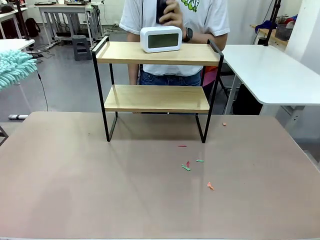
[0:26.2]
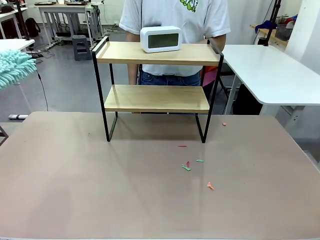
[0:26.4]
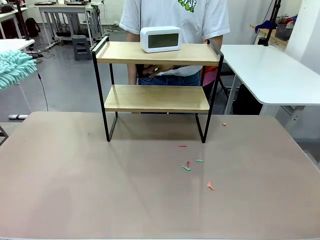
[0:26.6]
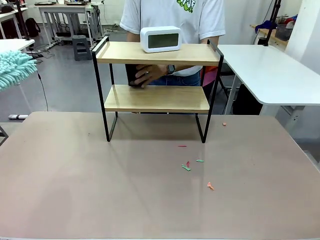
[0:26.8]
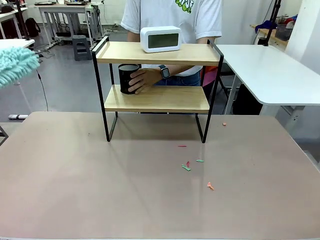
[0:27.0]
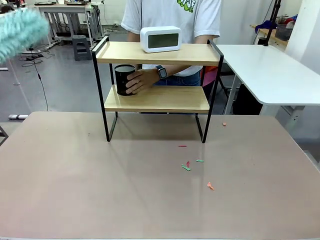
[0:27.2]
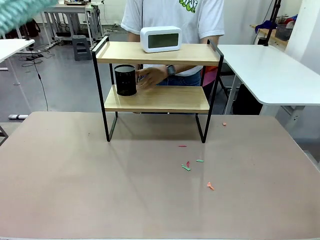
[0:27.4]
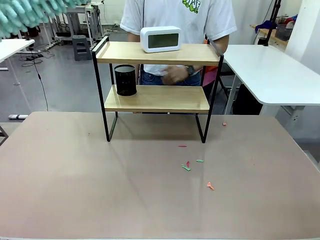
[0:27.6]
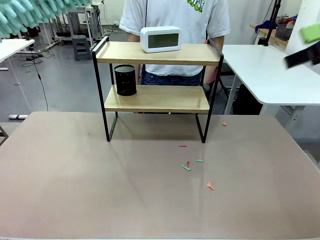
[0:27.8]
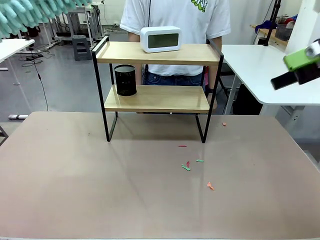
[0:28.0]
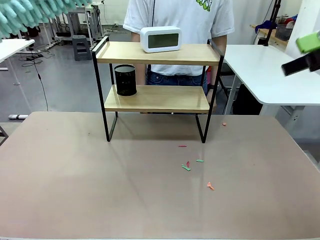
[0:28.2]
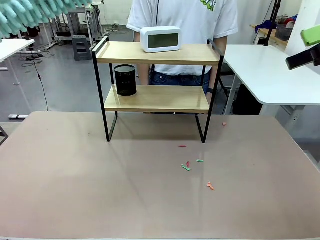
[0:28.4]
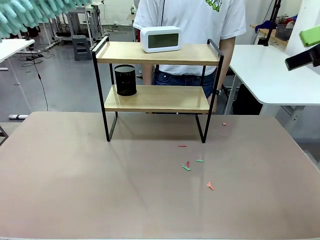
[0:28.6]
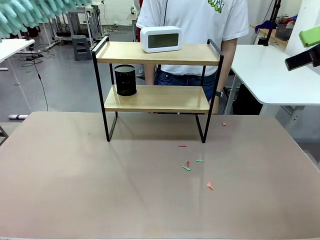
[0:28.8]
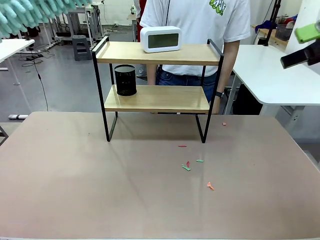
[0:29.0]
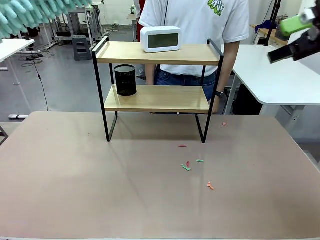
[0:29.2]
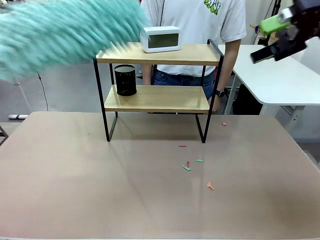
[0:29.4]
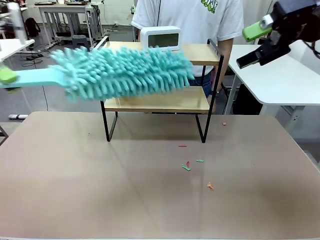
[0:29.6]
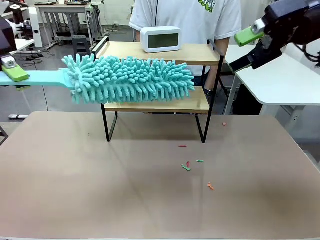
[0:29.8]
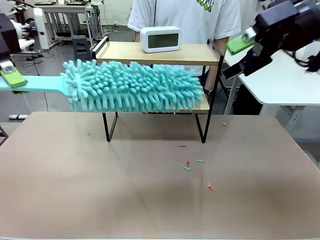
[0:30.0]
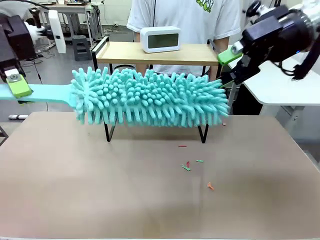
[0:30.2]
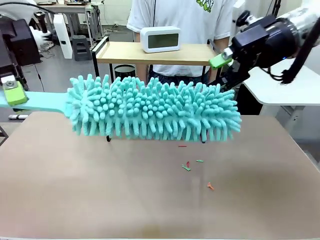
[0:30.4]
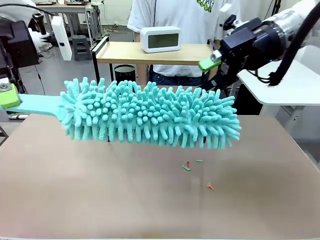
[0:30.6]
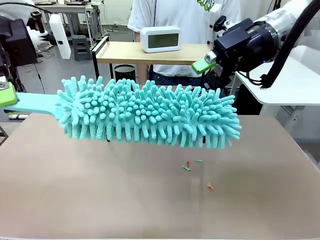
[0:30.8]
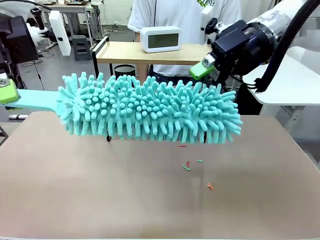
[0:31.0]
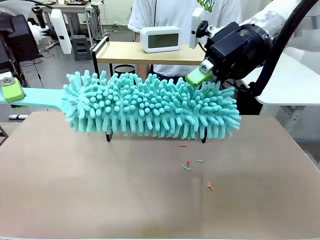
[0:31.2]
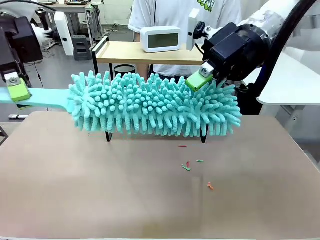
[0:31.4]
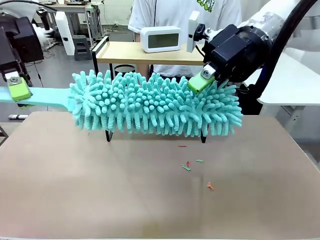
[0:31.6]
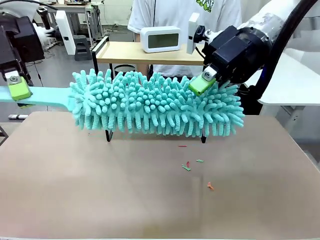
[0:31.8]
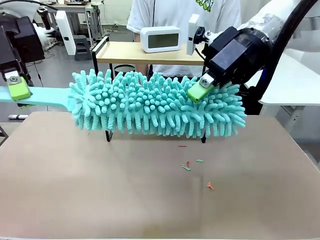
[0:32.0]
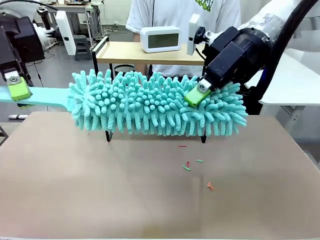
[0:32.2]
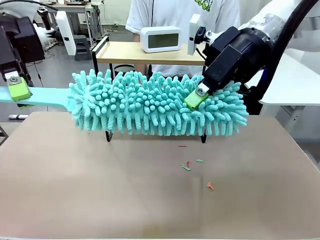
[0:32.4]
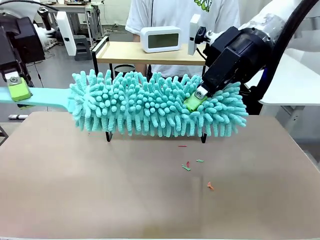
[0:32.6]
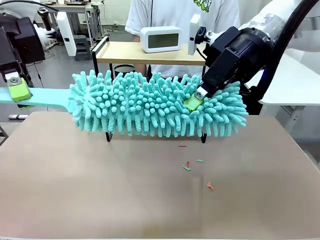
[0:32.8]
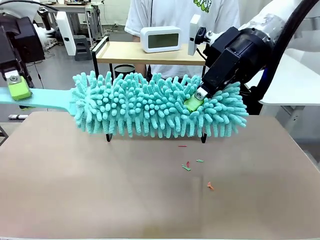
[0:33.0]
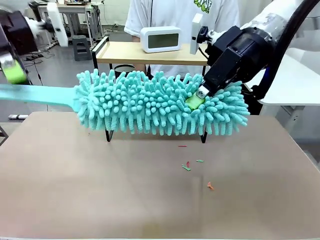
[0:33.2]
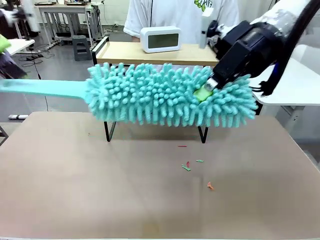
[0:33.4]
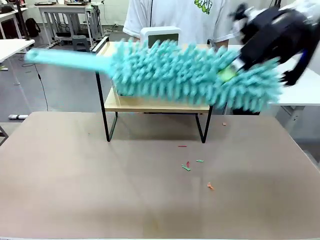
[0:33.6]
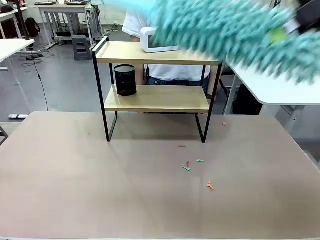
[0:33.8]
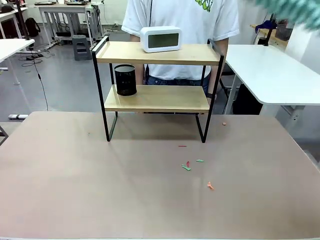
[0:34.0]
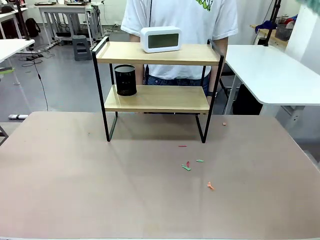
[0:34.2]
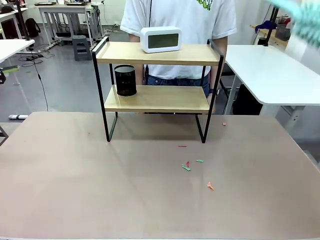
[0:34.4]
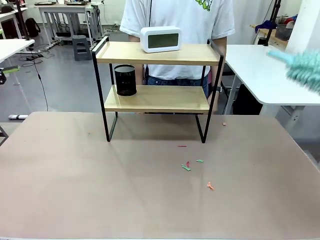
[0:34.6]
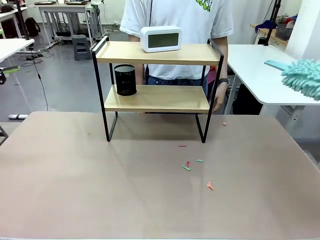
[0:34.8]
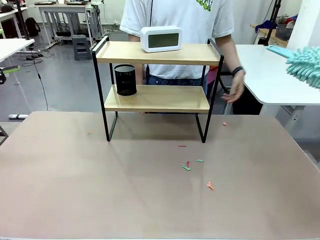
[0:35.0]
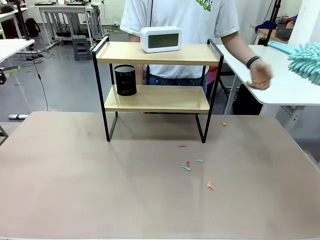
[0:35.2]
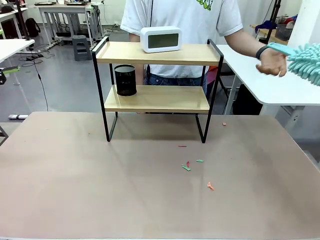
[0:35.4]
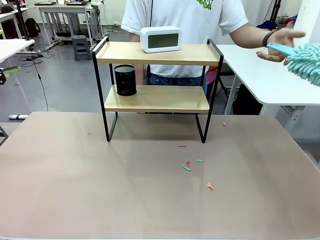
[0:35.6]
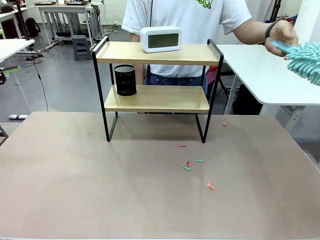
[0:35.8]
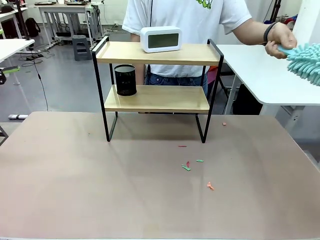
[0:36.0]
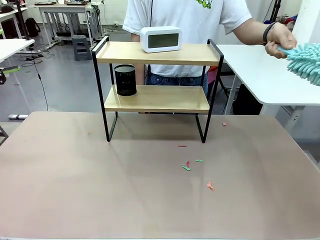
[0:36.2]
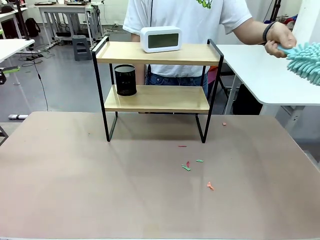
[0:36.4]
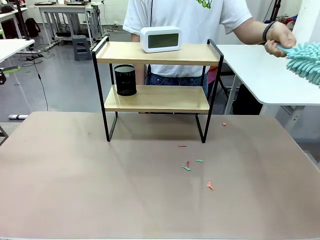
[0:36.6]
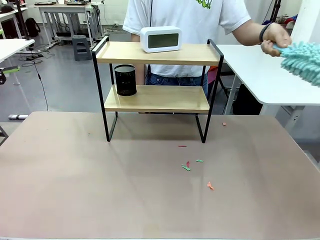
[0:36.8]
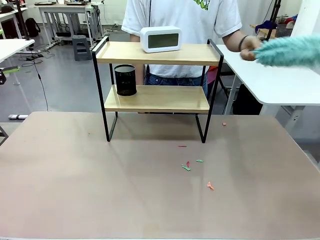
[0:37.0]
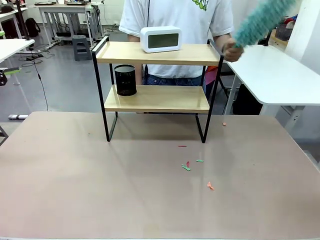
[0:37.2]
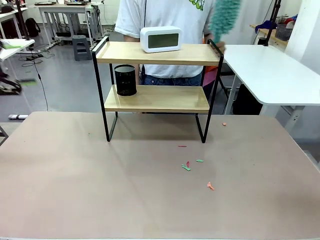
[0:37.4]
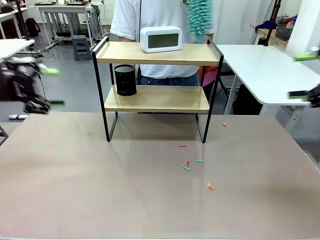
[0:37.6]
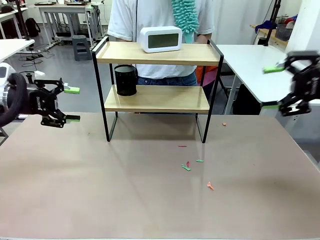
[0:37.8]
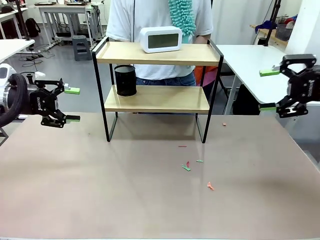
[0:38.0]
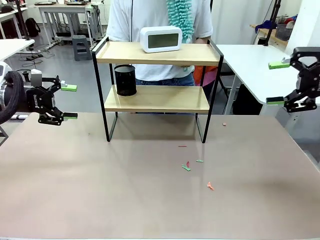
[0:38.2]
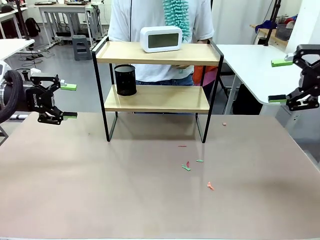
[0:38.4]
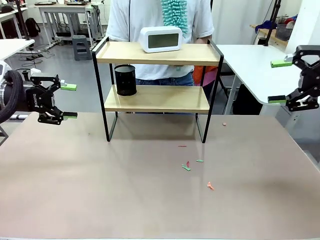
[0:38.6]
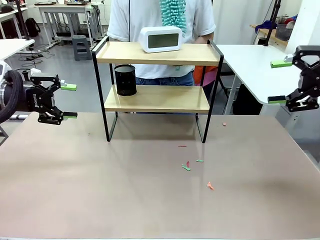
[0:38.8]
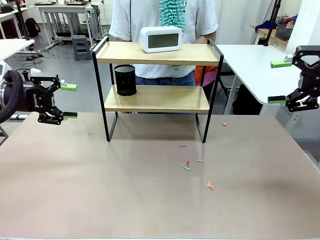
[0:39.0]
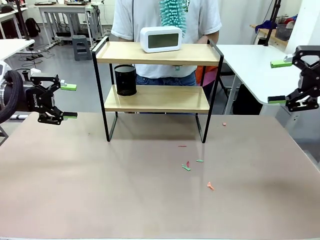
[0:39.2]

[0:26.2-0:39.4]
Task: Clean the shelf.
Robot: Hand the Duster back to the human.
Person: Receive the Duster from the robot.

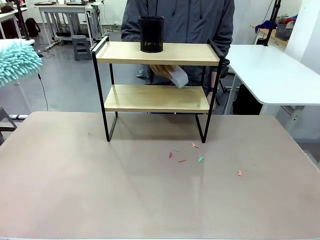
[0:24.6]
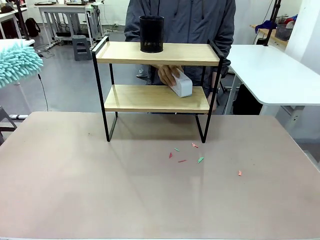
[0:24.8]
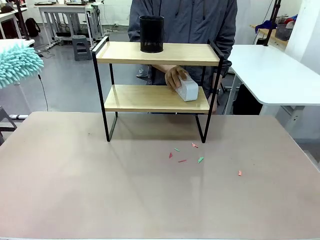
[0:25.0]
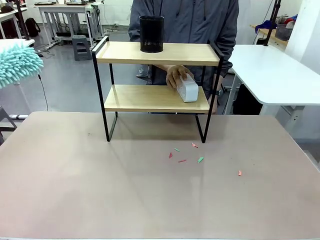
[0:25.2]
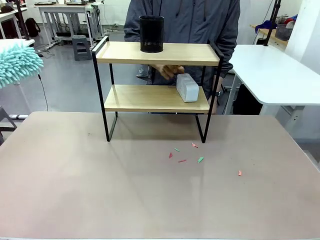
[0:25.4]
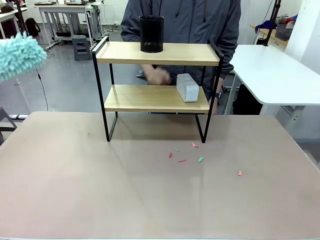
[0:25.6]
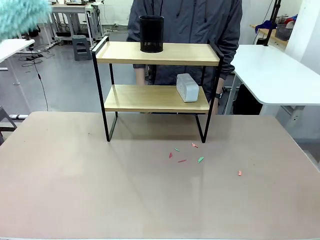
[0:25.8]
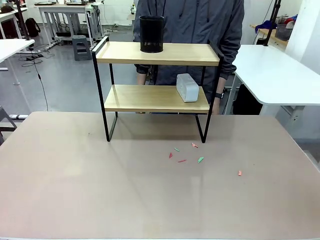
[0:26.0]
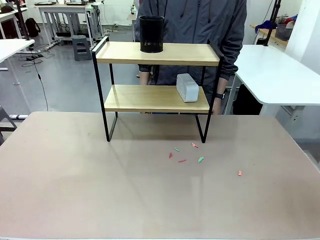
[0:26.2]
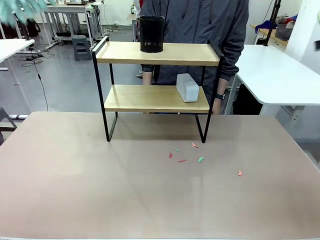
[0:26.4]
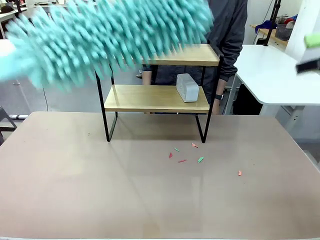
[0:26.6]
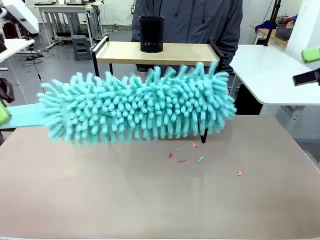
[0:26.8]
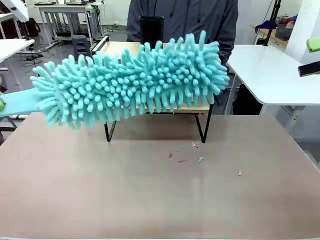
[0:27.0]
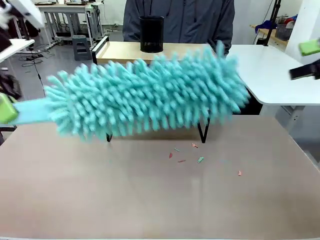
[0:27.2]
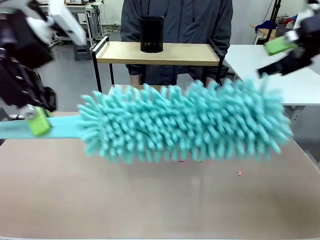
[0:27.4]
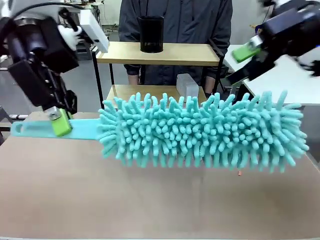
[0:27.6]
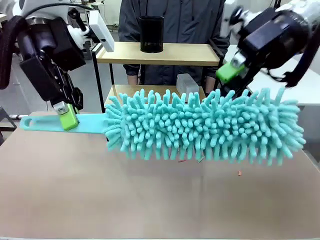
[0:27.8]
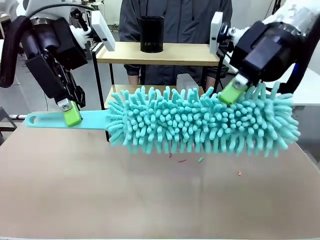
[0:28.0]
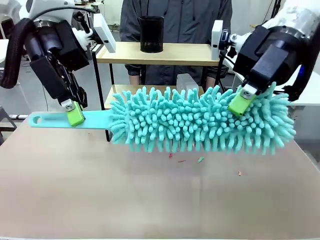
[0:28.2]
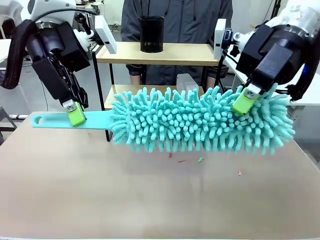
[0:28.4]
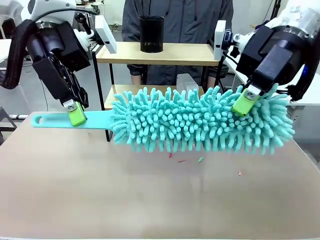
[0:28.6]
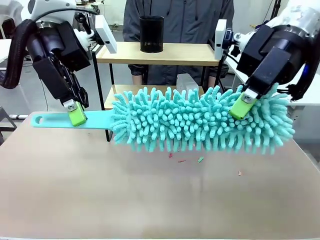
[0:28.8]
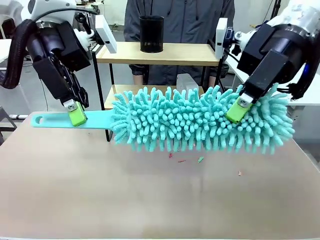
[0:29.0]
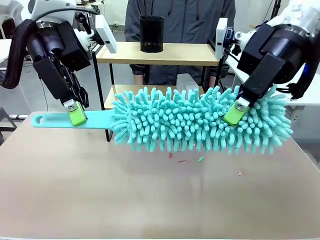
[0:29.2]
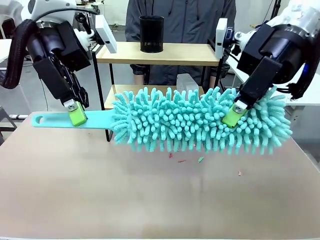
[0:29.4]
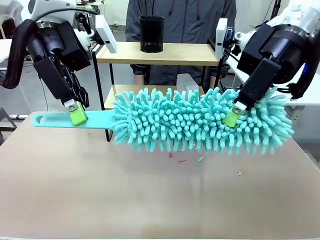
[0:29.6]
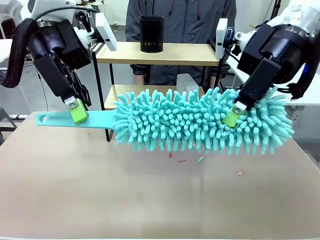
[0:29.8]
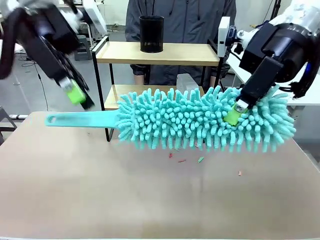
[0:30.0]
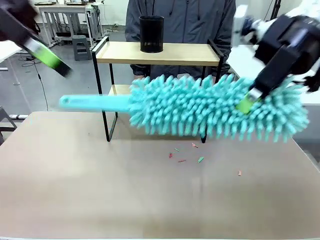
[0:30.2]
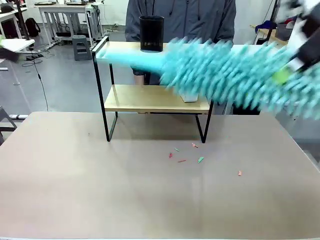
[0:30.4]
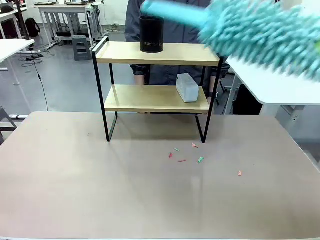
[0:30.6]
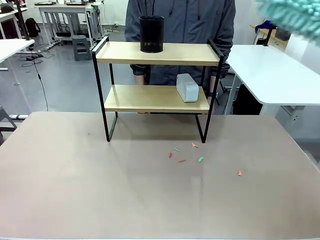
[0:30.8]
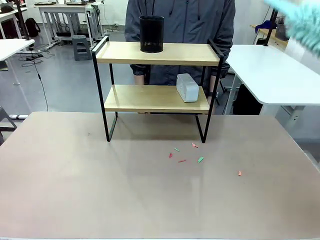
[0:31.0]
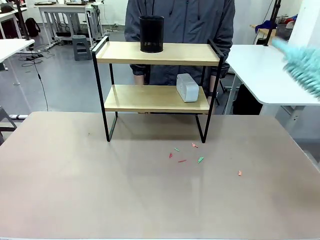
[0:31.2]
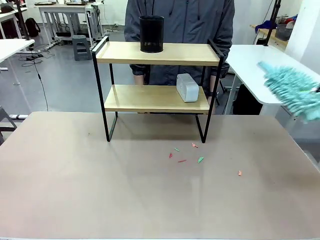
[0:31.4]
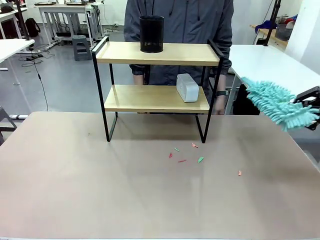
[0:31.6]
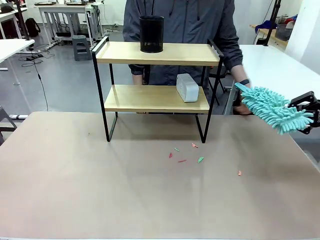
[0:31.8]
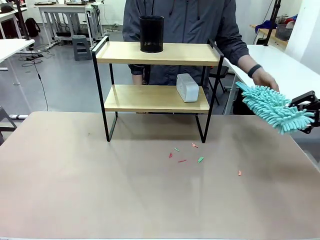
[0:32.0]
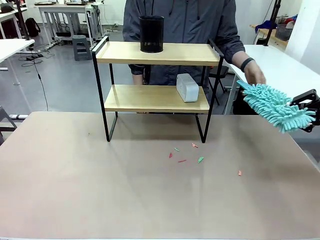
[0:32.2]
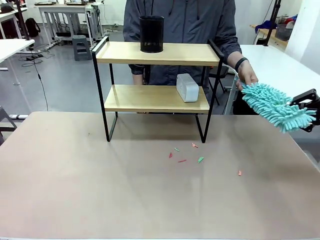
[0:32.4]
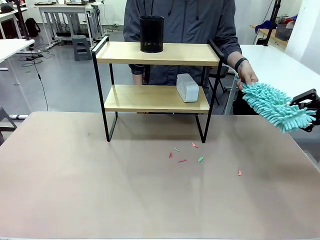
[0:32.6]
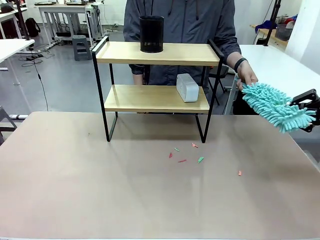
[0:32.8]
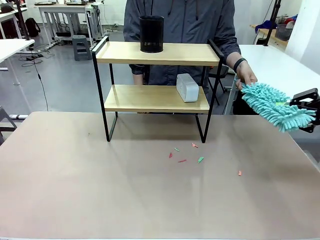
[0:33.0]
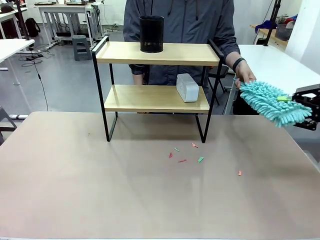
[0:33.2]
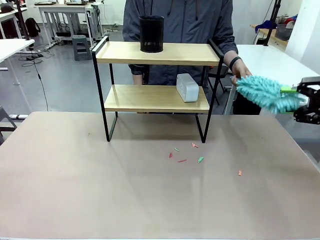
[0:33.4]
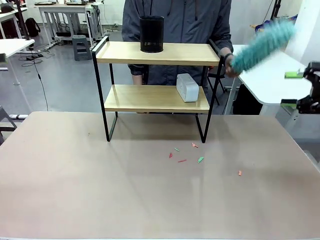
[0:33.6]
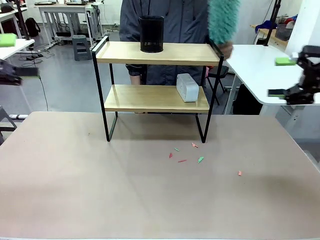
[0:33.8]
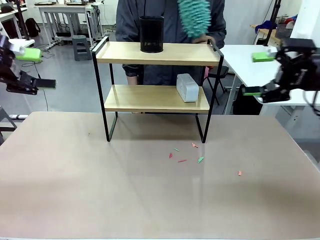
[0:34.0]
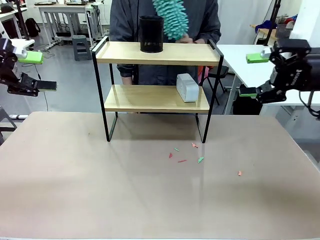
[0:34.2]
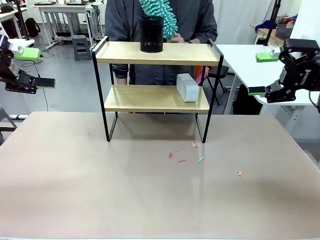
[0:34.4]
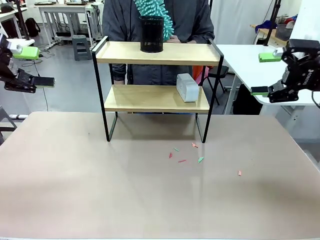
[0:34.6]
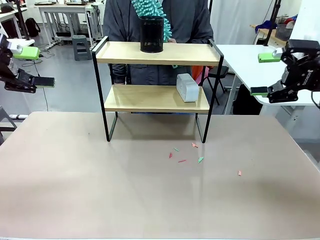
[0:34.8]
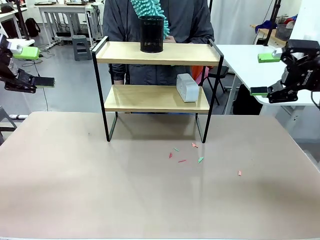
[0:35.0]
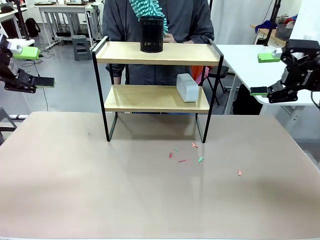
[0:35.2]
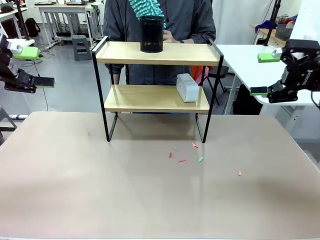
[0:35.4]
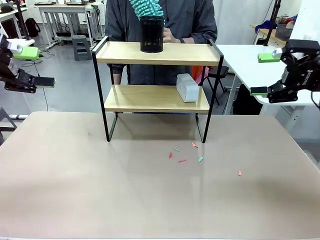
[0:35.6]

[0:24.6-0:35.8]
Task: Clean the shelf.
Robot: Hand the Duster back to the human.
Person: Receive the Duster from the robot.
